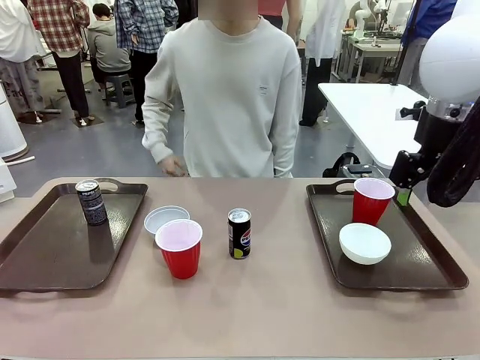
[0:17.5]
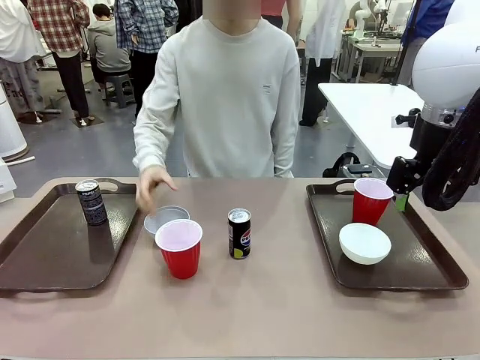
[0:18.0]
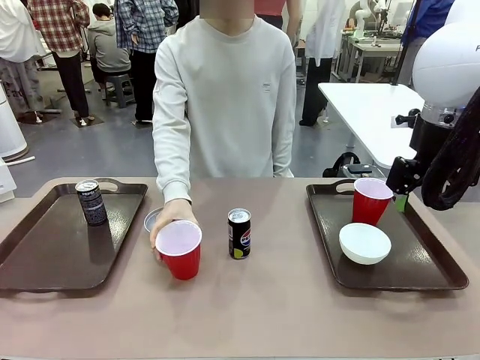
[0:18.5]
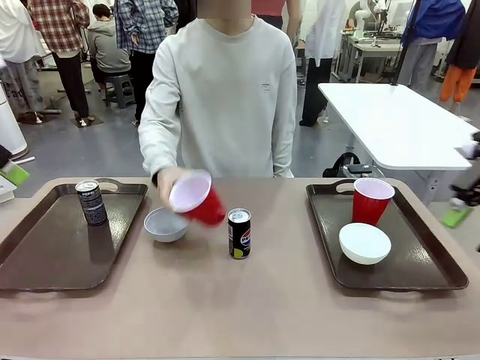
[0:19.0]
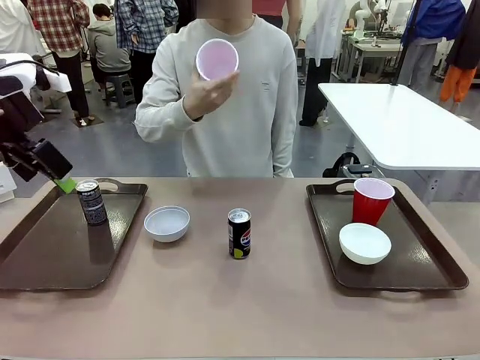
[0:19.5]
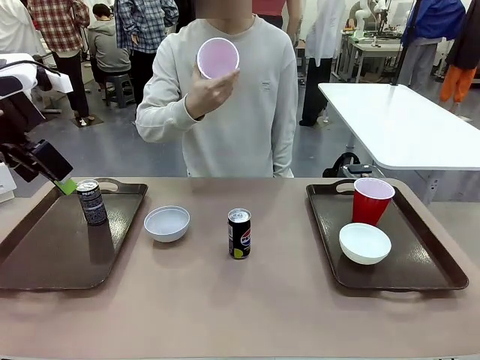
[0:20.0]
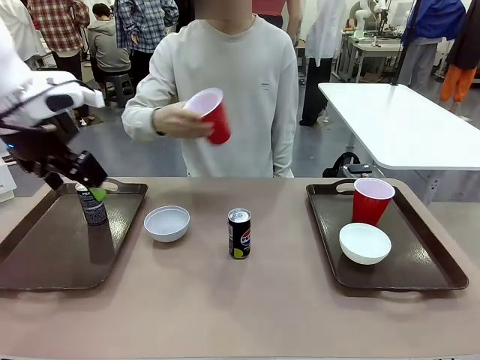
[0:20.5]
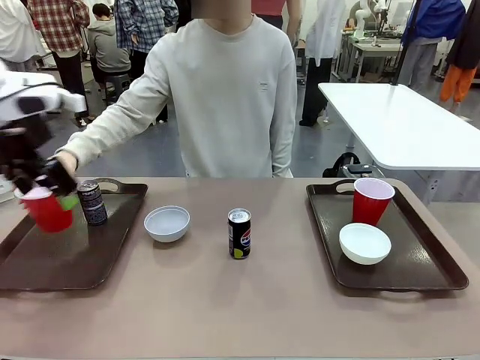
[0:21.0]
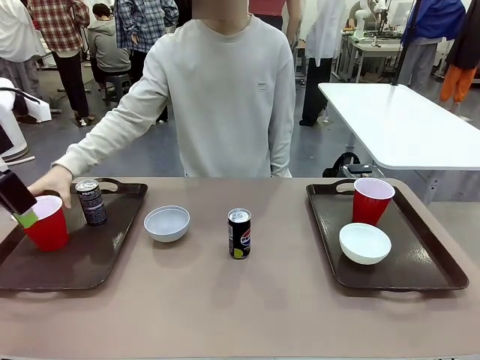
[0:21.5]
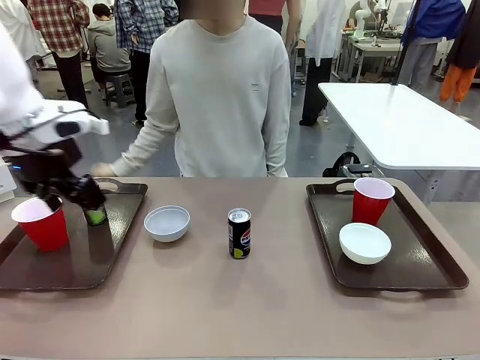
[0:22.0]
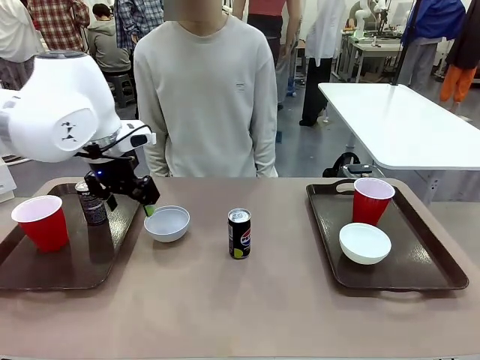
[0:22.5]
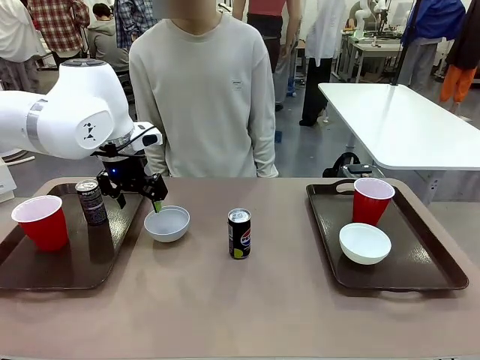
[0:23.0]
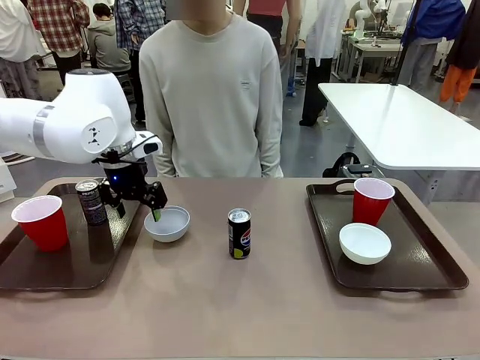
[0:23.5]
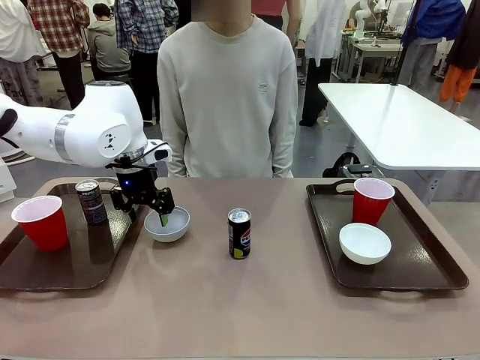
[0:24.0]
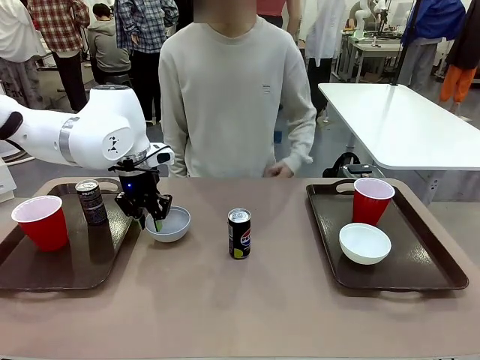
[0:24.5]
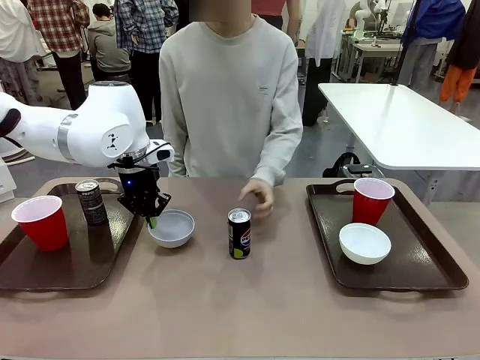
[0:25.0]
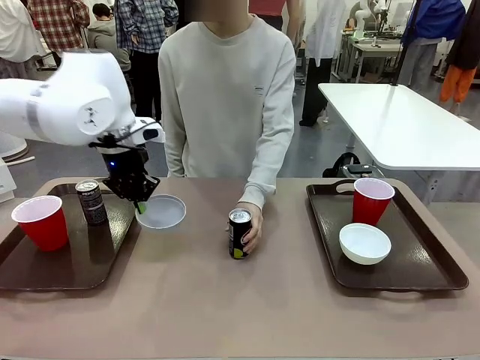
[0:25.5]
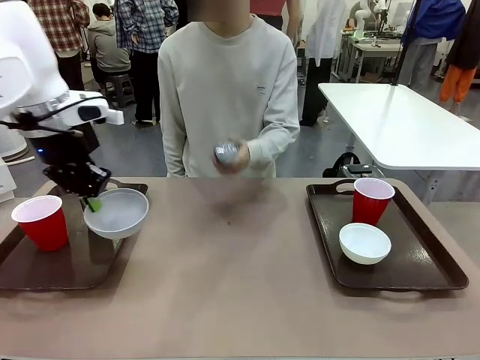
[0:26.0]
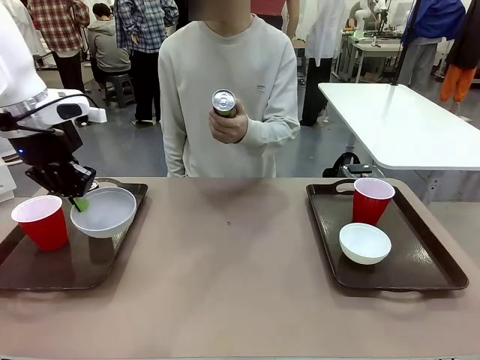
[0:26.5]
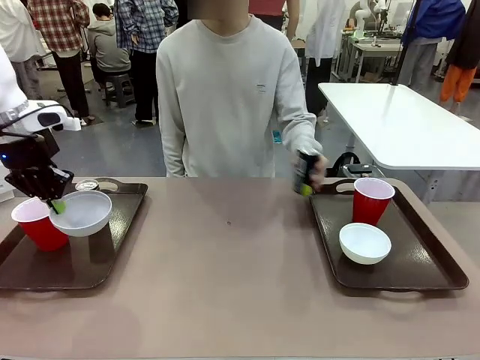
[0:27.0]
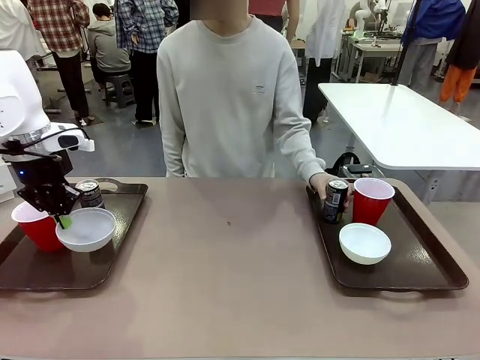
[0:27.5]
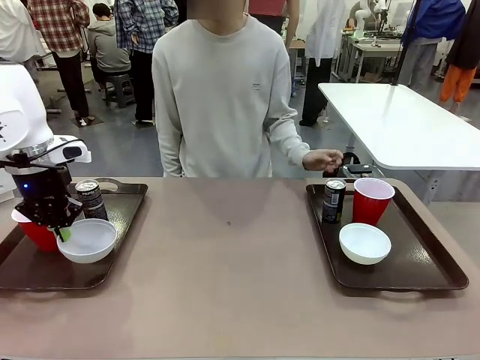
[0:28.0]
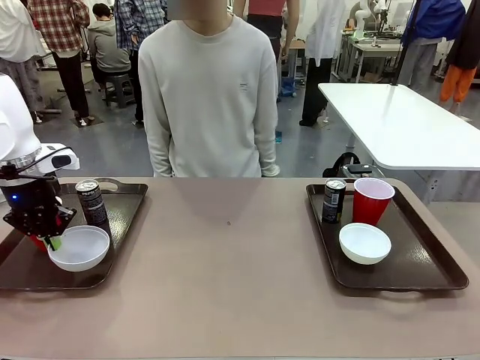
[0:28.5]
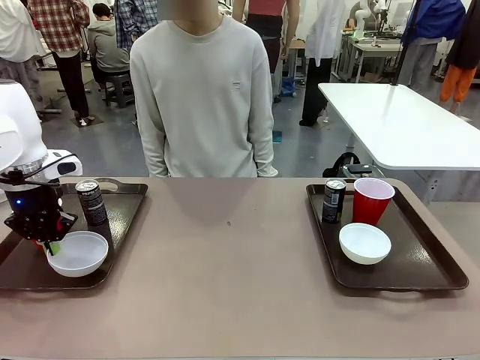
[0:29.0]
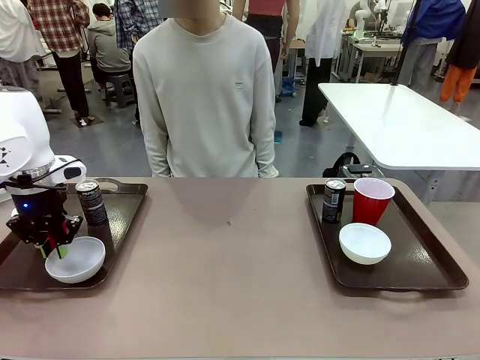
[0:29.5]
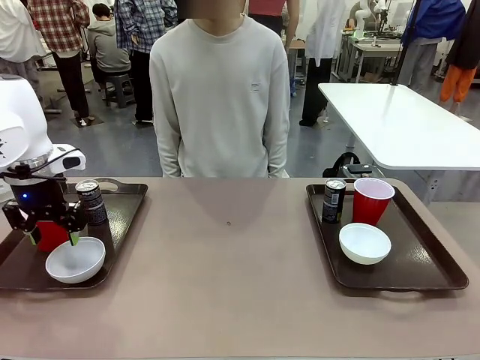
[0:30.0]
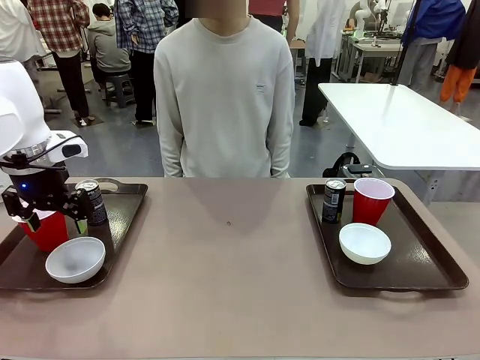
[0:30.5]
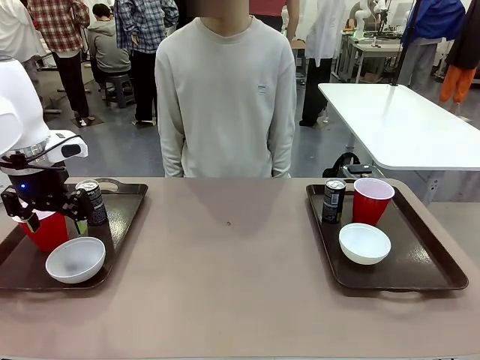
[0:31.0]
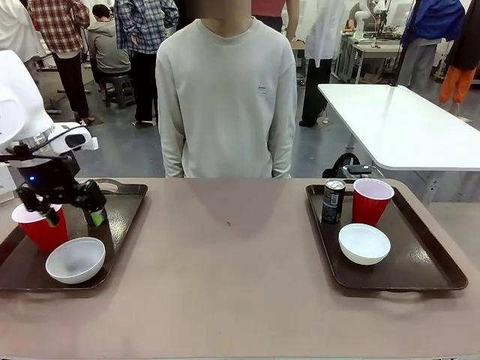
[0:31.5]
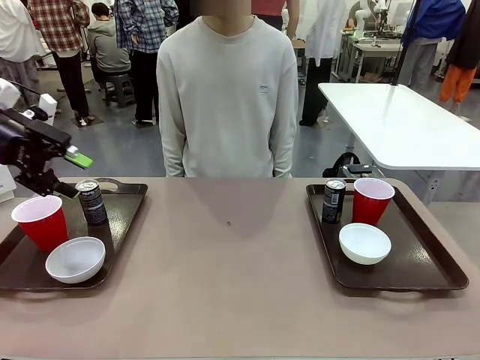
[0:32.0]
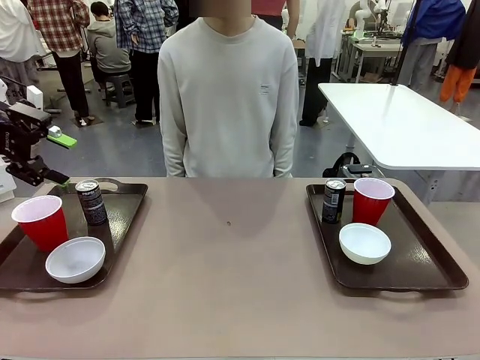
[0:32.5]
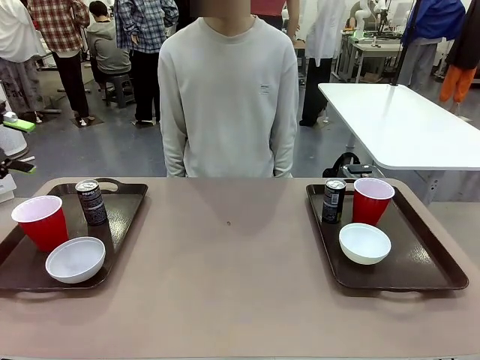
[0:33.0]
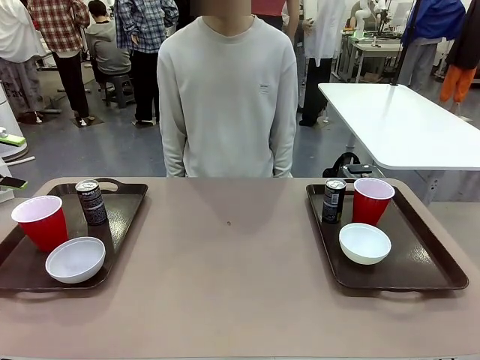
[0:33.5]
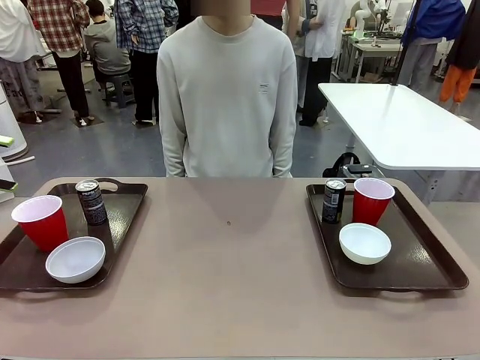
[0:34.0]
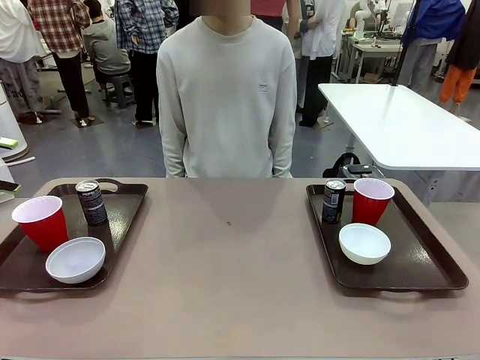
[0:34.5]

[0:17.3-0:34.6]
Task: Prepare tableware on both trays.
Robot: Pick up a Picnic Bowl from the table and place it on a Handle tray.
Person: Pick up a can or cup and place it on the tray without a can or cup.
